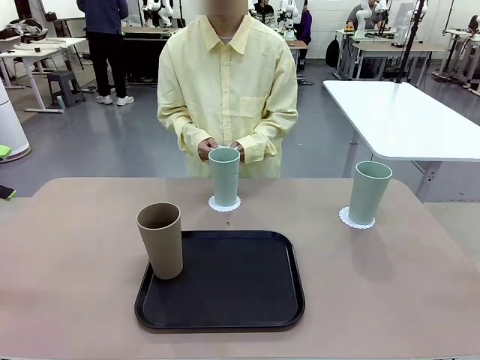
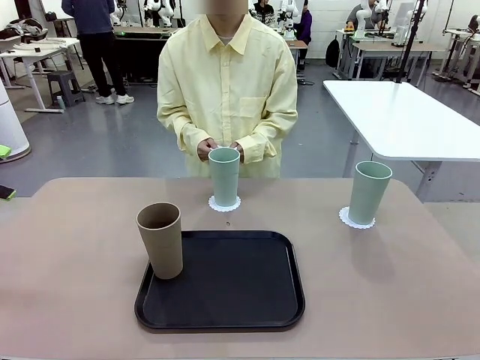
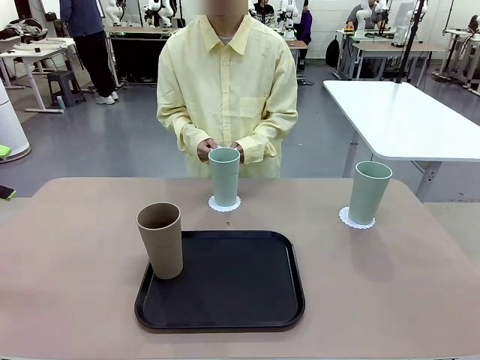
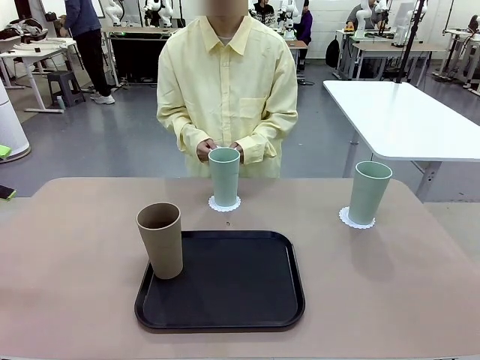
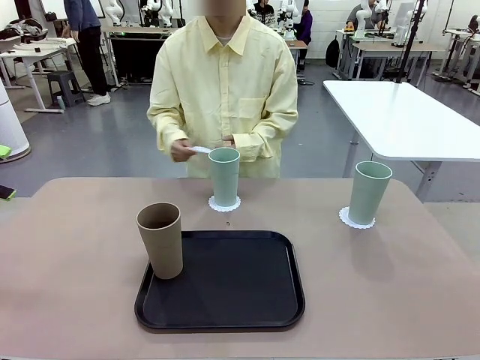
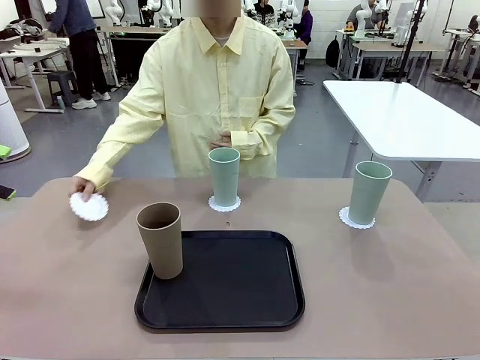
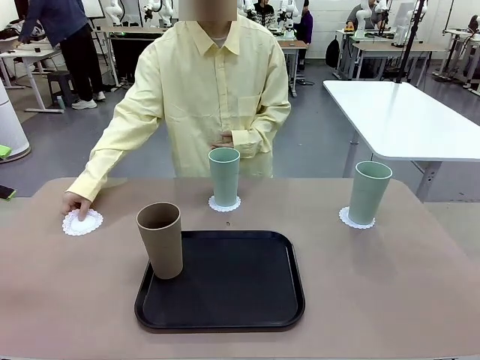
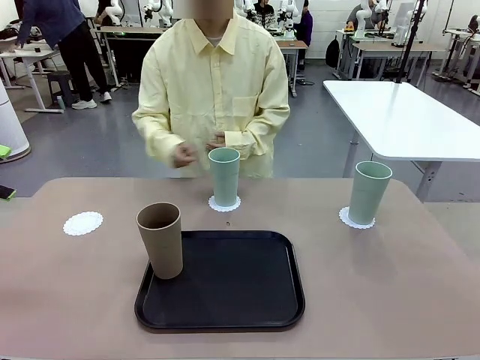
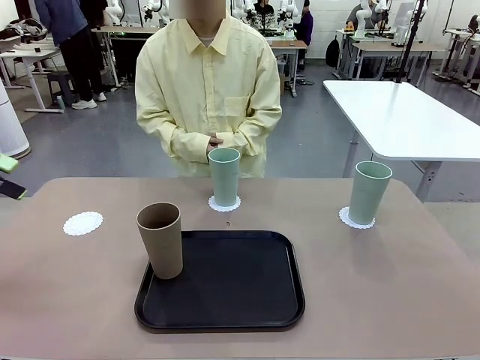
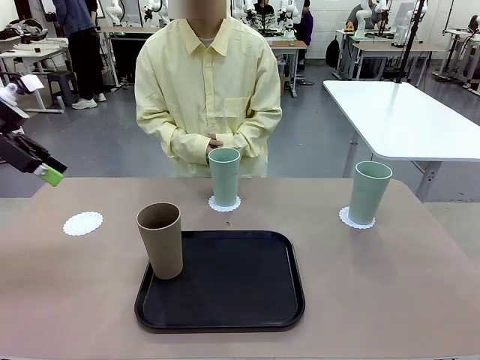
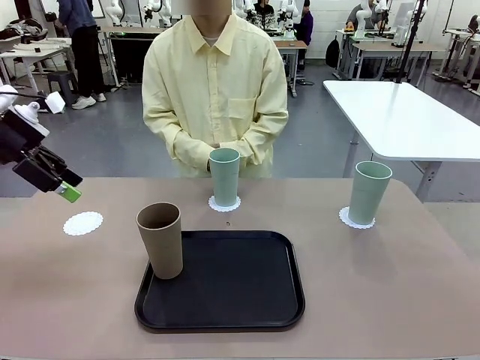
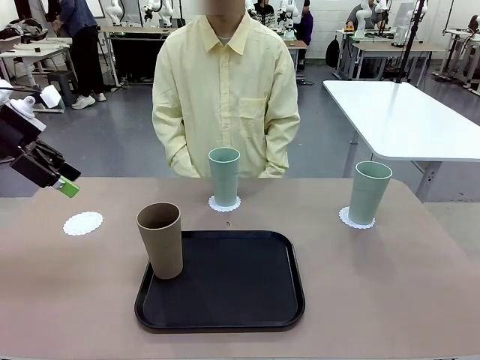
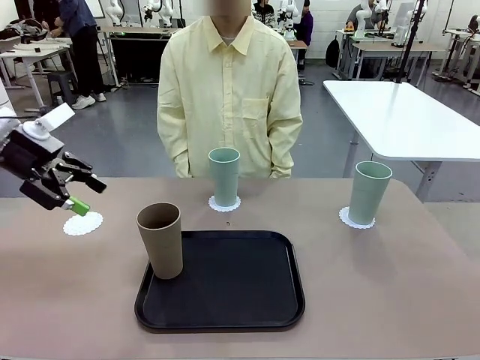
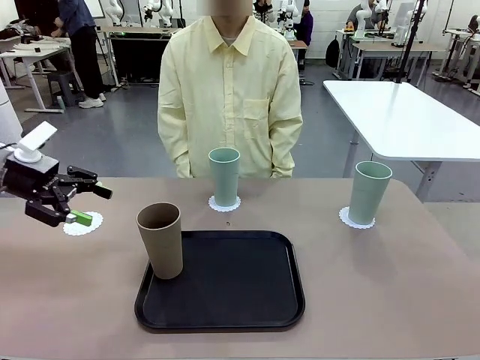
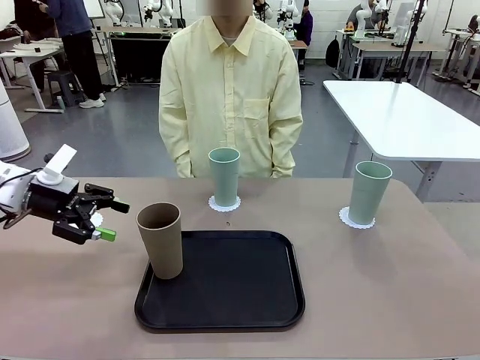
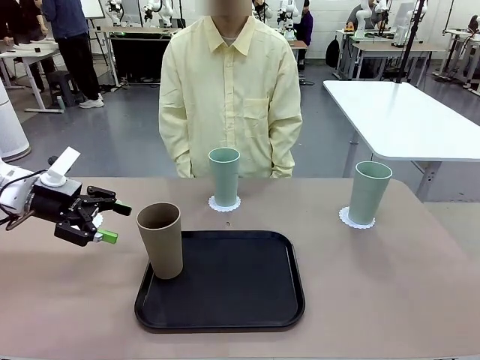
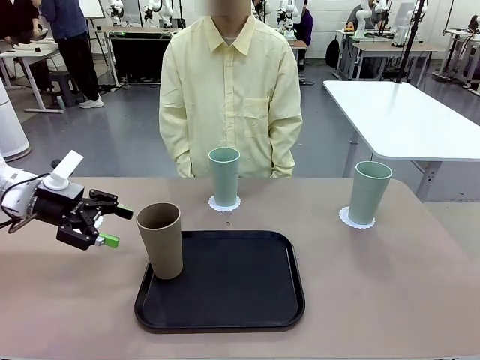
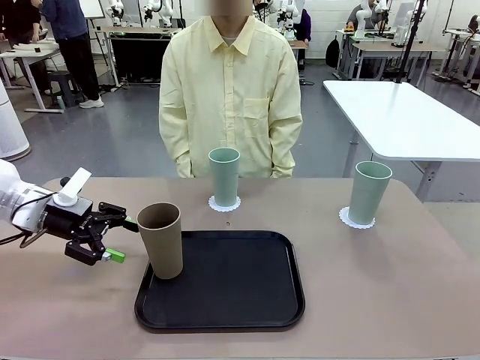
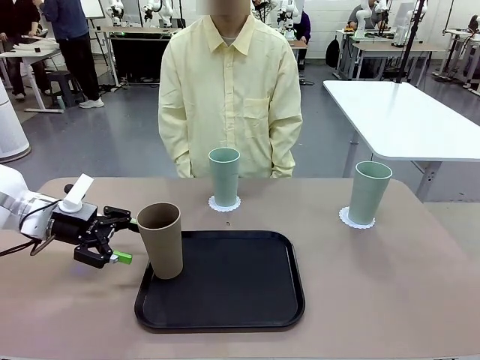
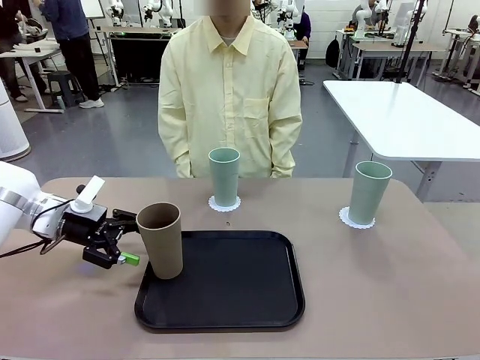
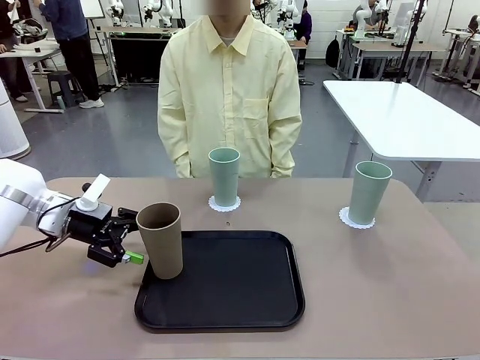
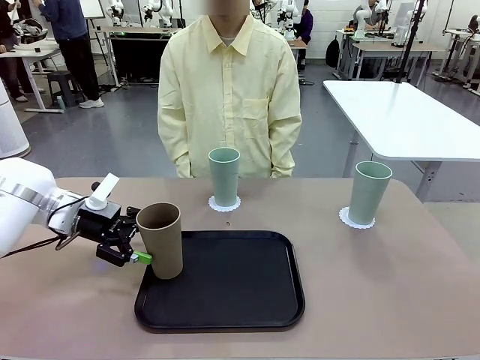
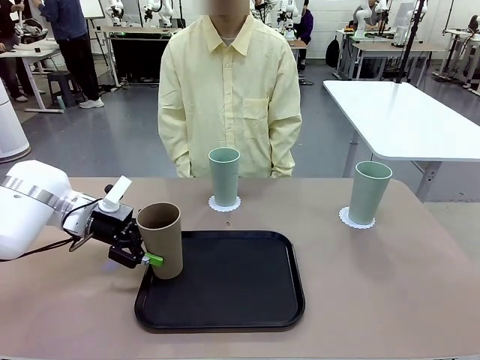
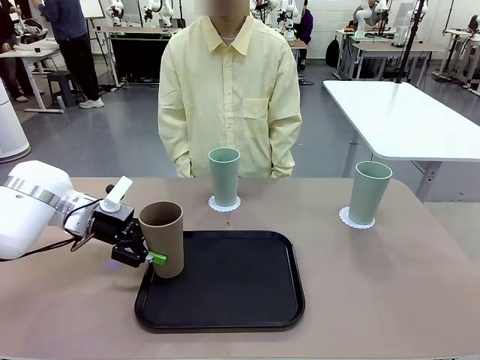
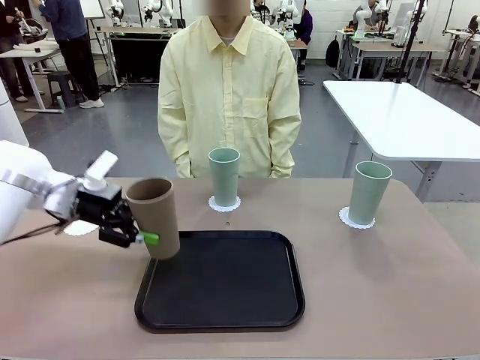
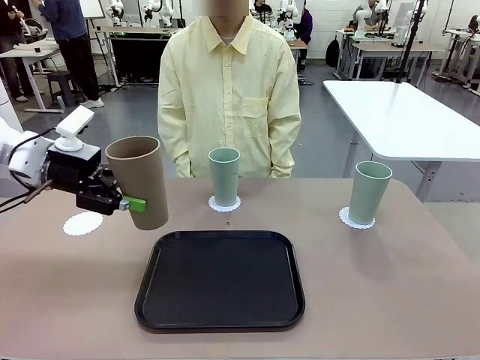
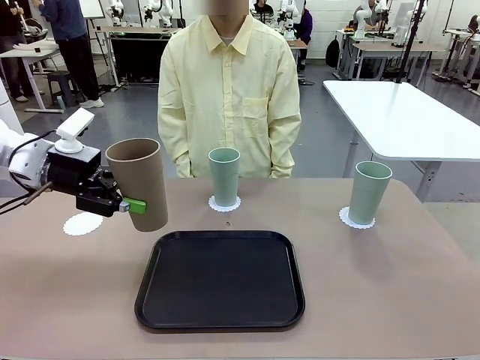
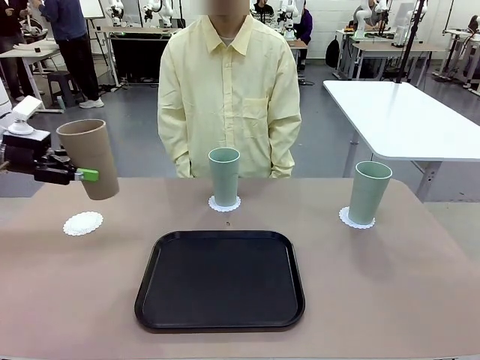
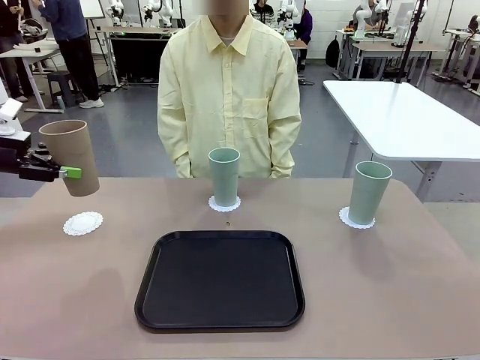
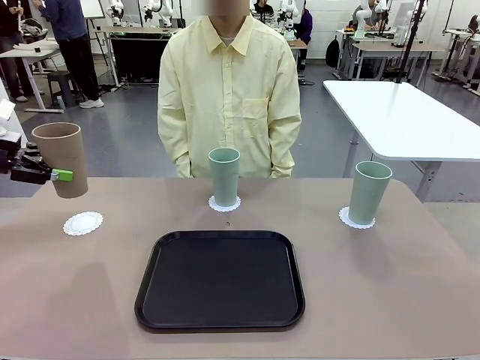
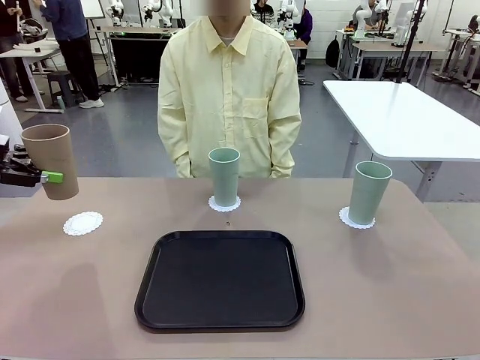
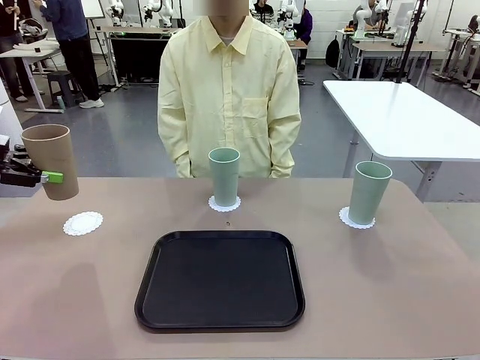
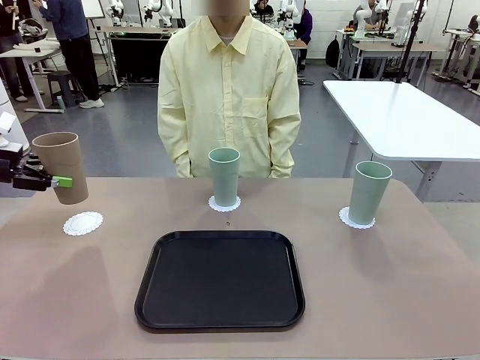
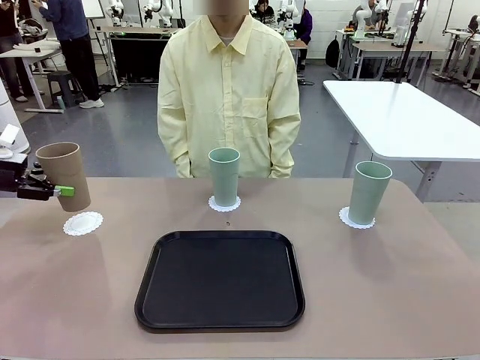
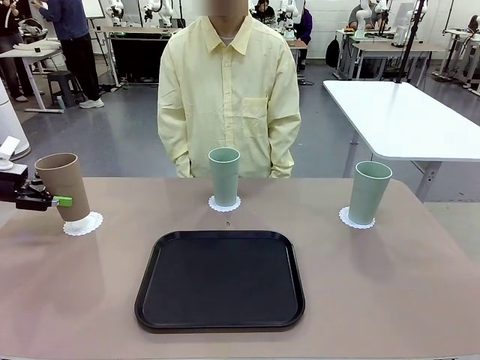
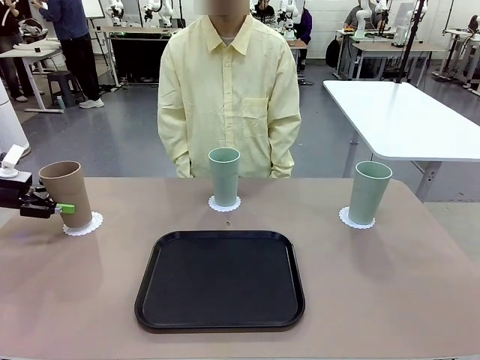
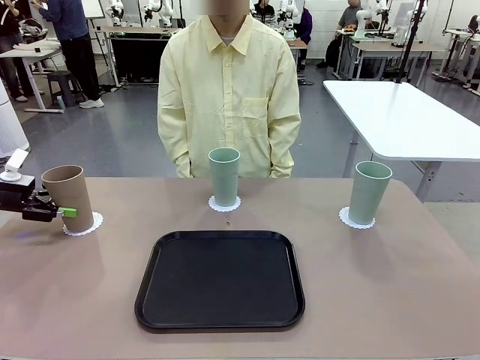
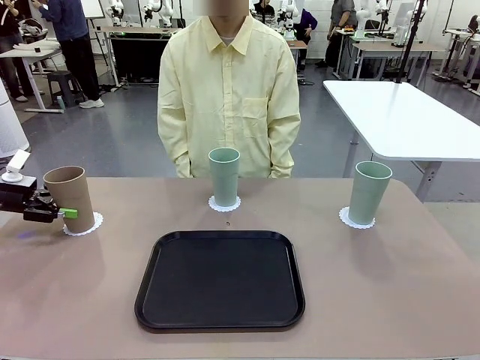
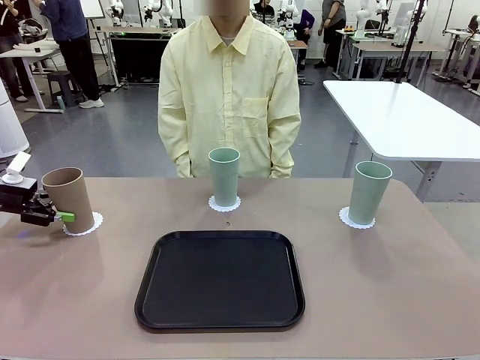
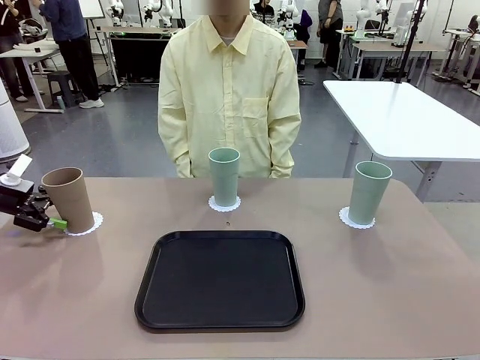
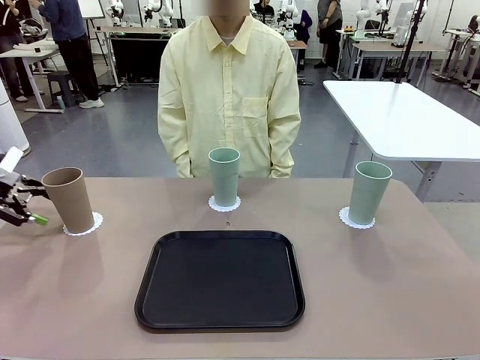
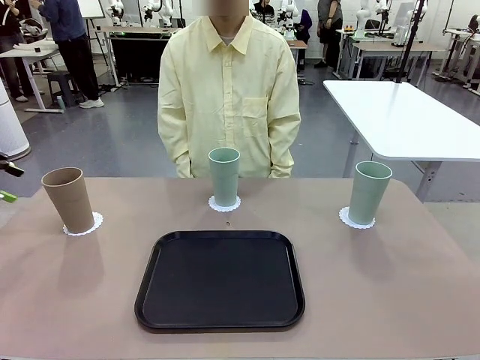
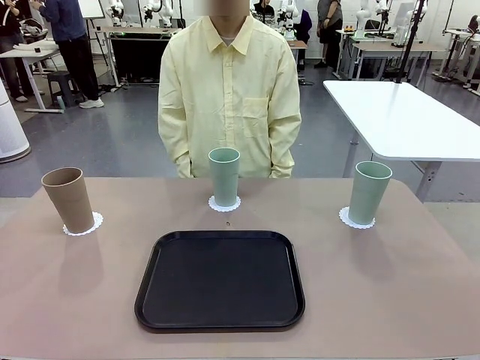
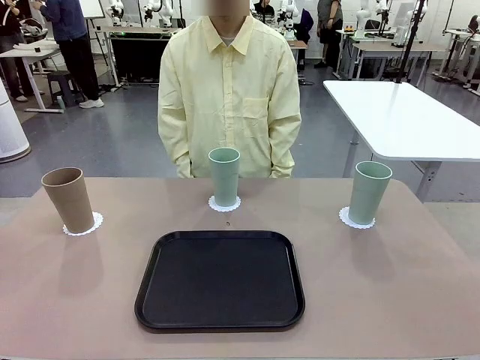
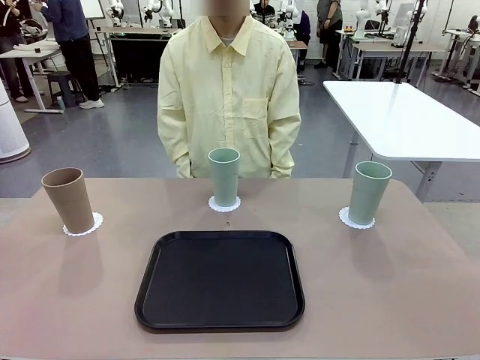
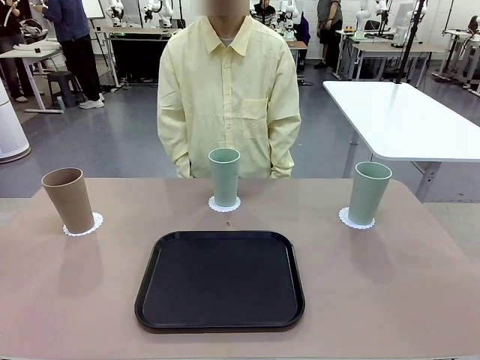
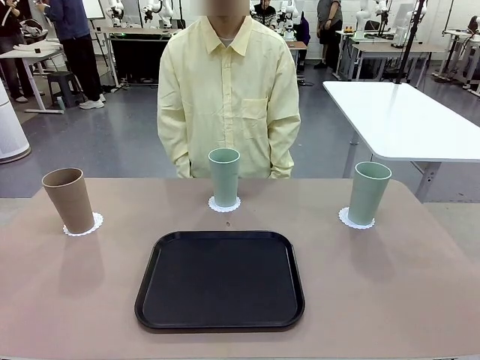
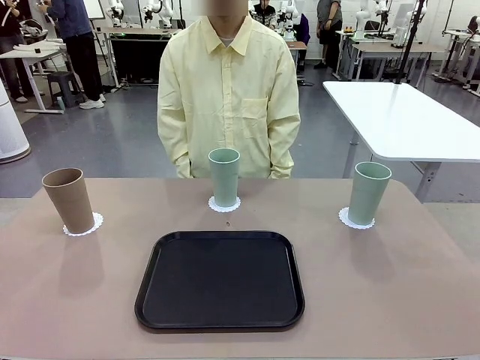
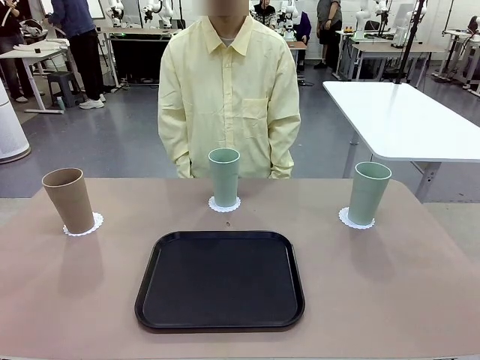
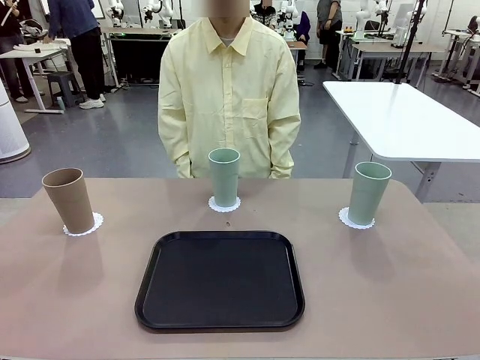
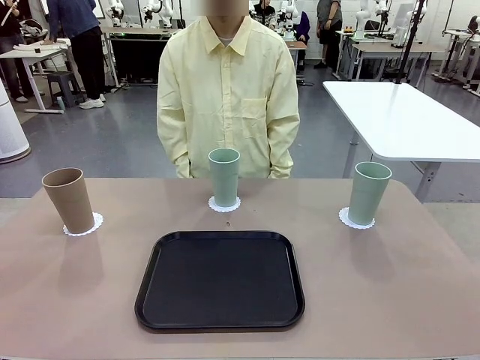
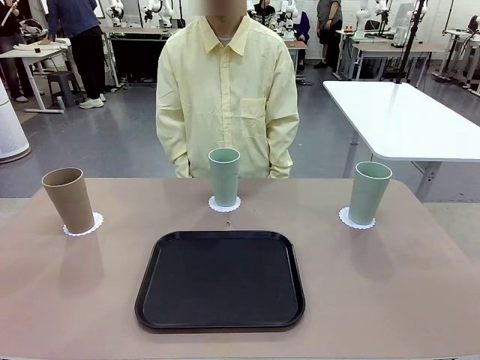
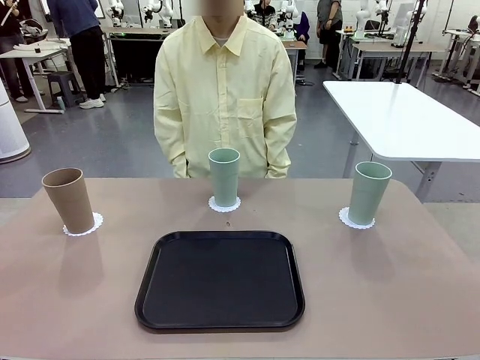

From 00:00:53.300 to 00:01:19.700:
Task: Place coasters on the table and set cups on them.
Robot: Take one Reusable plastic cup from the Flat Tray and place it on a coaster set by the human.
Person: Place one coaster in the only remaining area.
